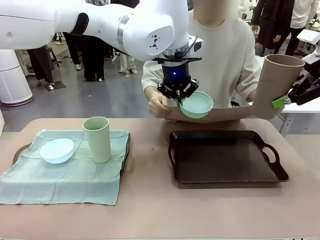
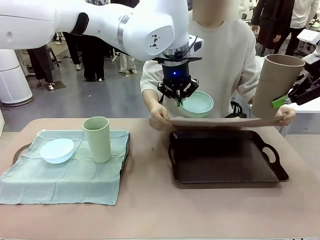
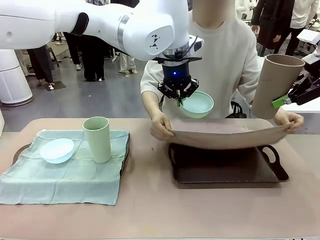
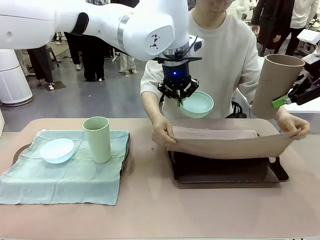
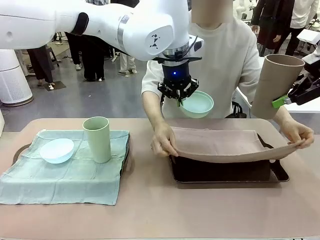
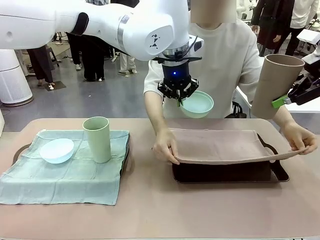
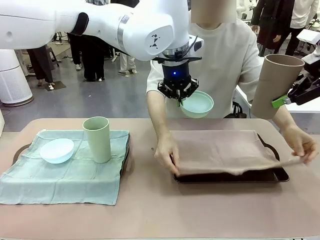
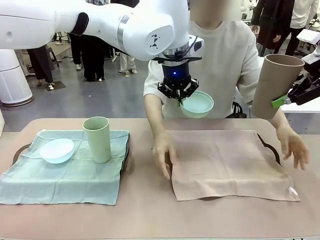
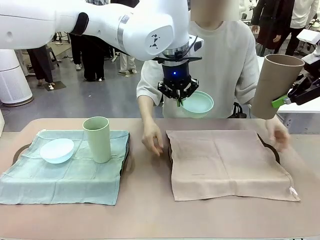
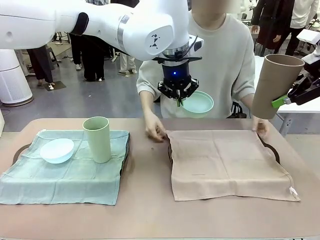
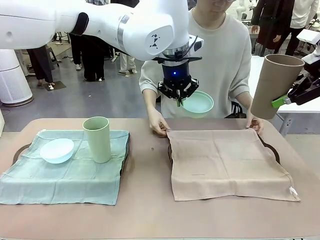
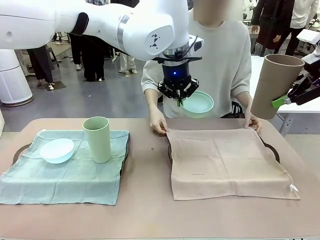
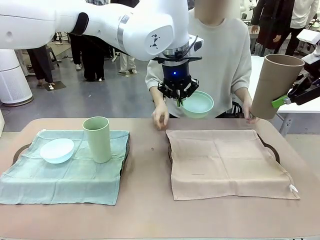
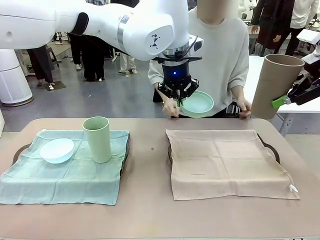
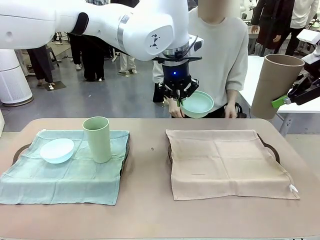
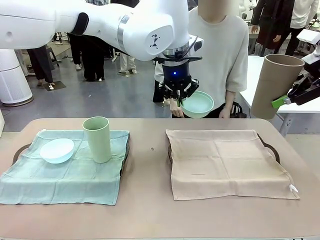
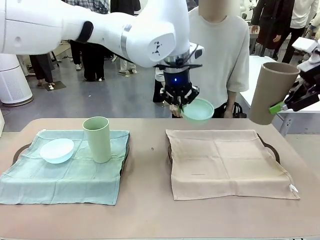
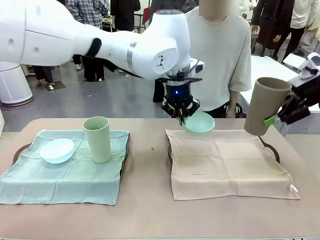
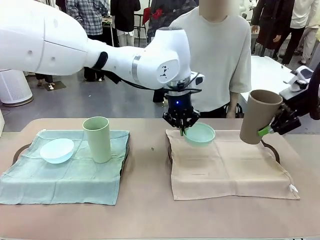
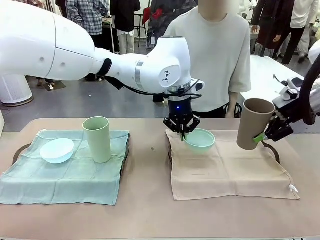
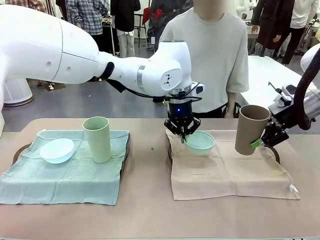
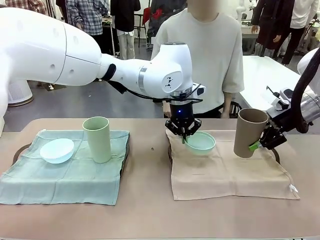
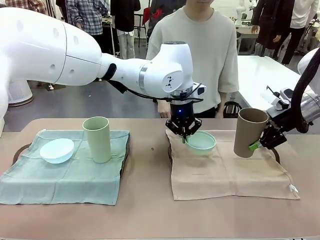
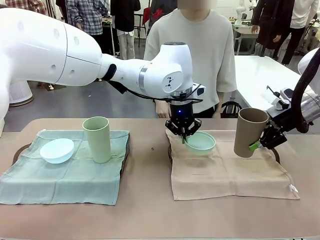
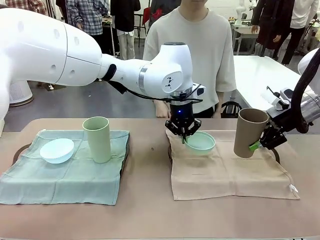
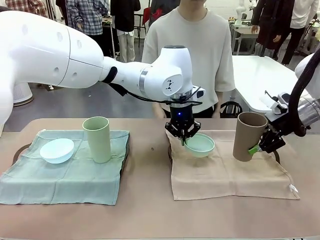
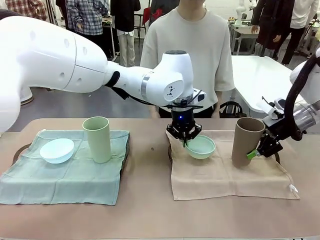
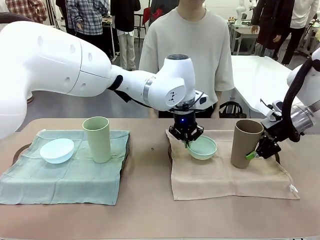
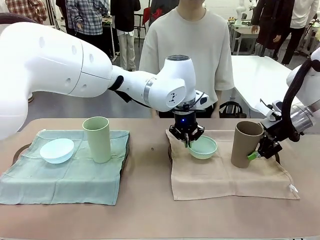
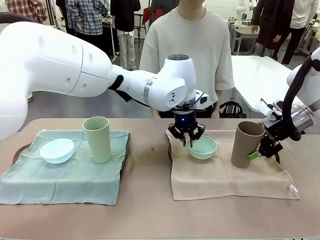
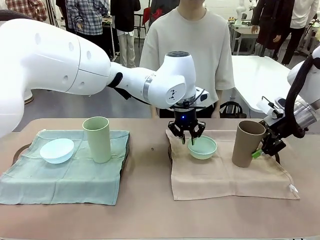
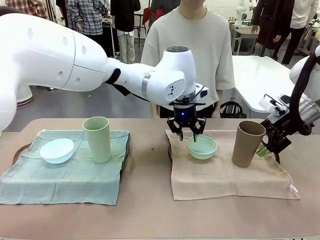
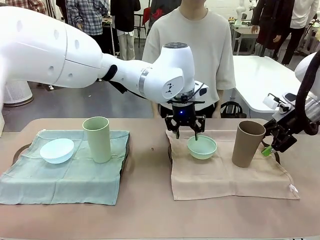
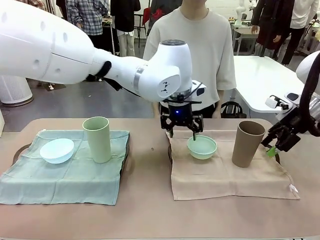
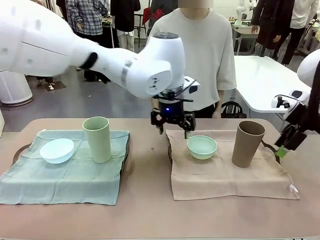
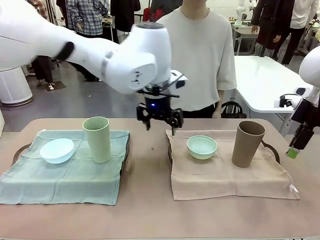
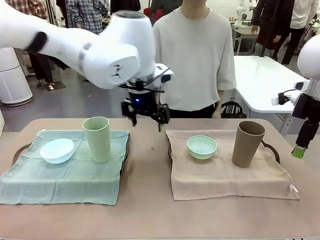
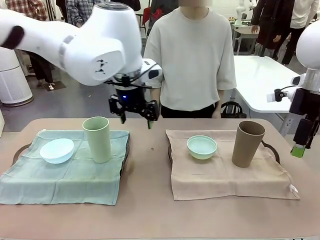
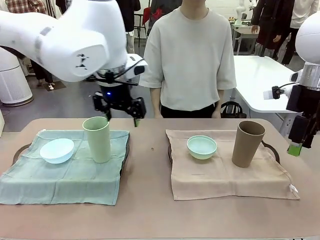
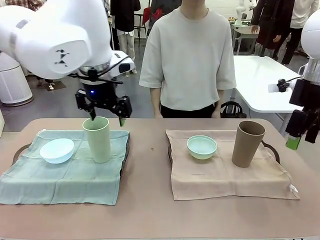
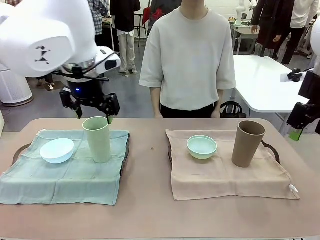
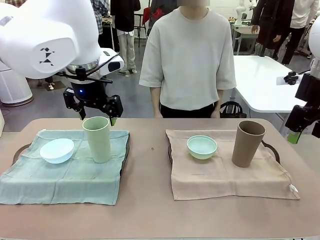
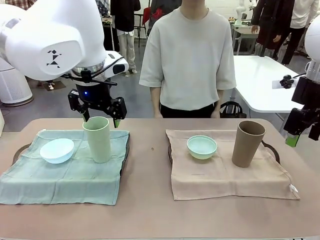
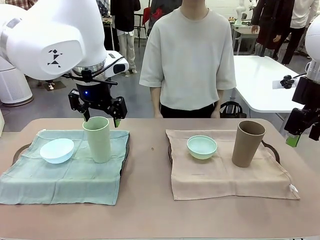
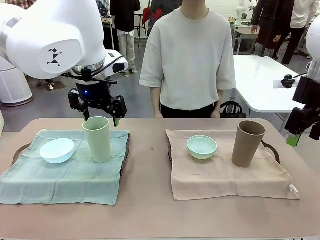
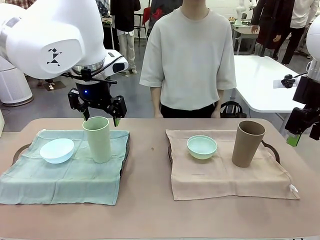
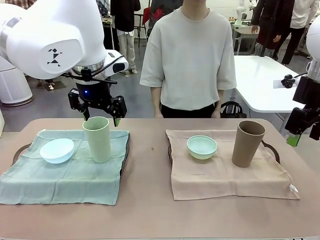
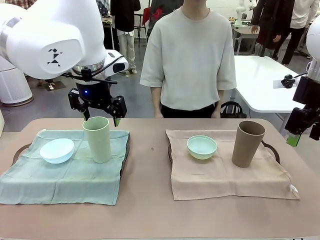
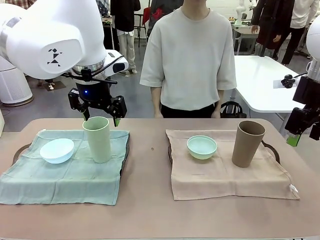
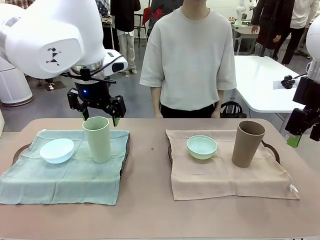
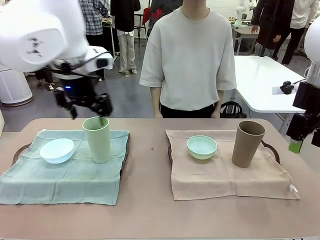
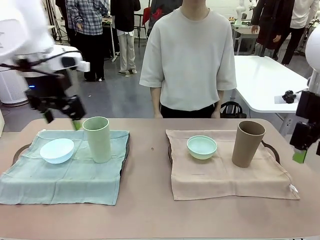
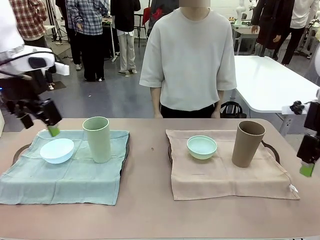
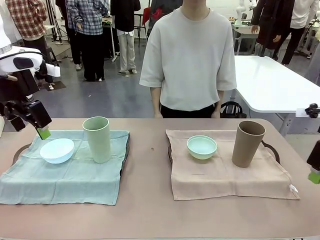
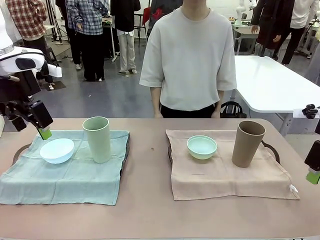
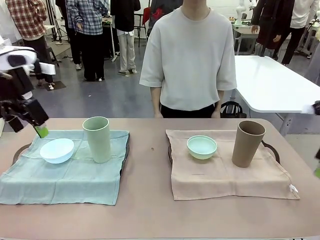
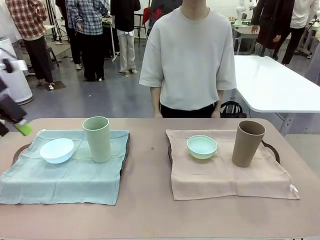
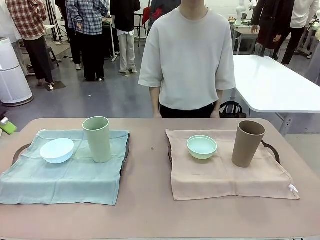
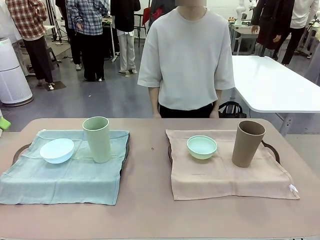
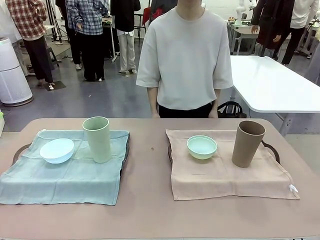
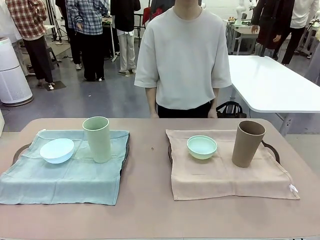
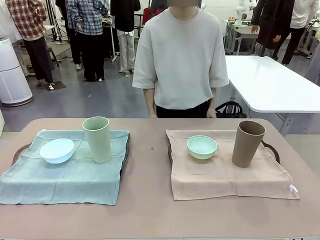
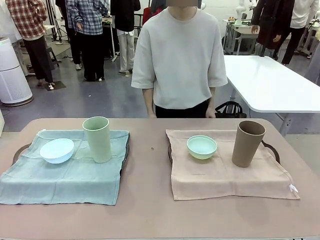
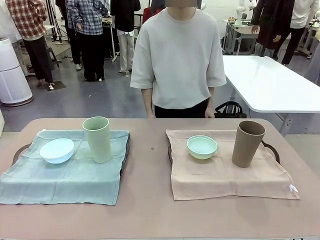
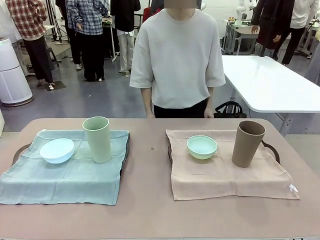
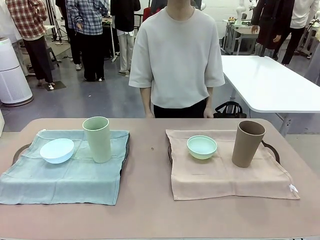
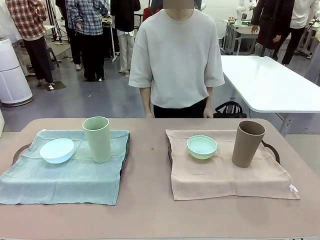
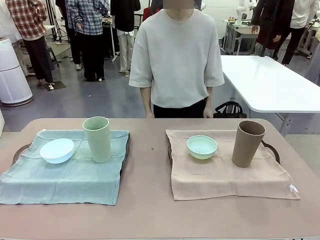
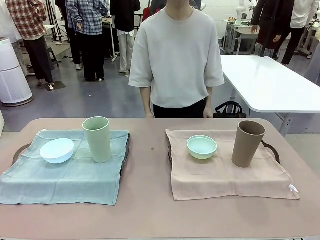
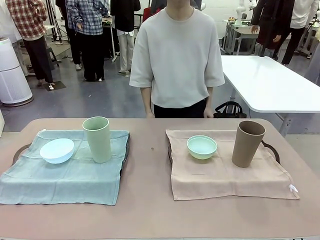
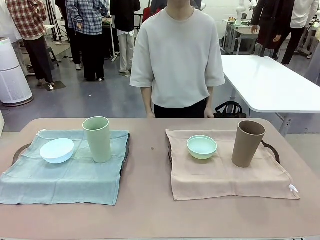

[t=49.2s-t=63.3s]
Robot: Place the Picnic Bowl and Reusable plastic cup back onto the Handle tray in front of the human's position.
Person: When the robot lifts the bowl and the cup, the human unfolds the napkin and lays the napkin flat on the tray.

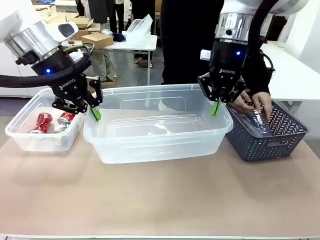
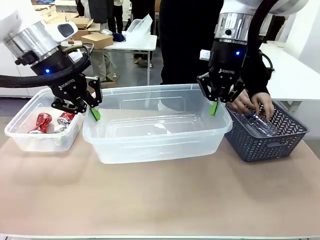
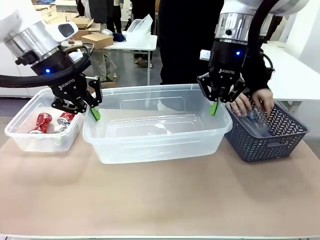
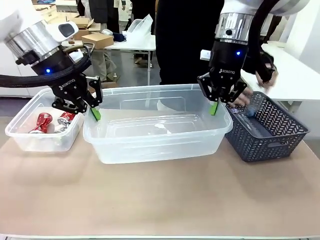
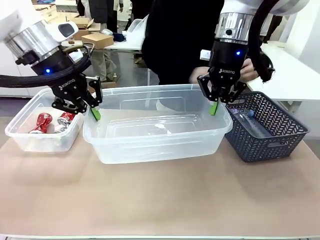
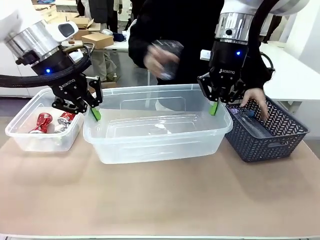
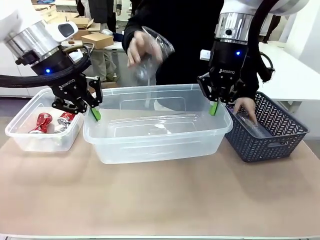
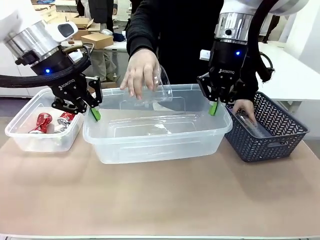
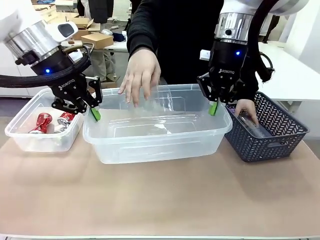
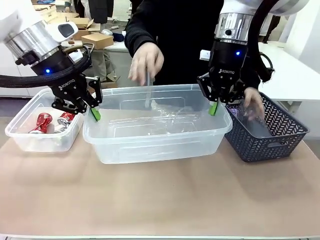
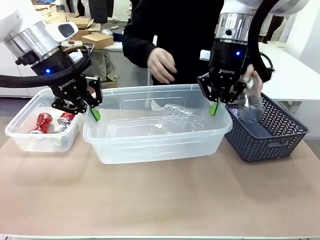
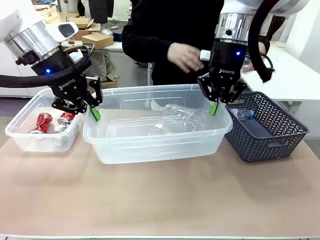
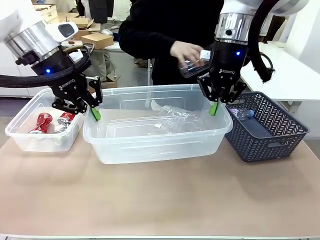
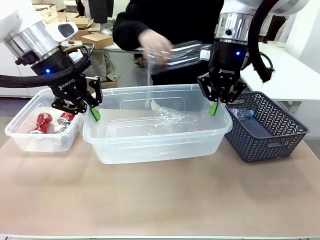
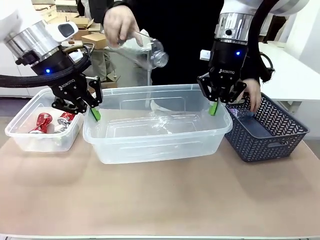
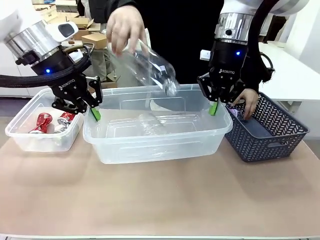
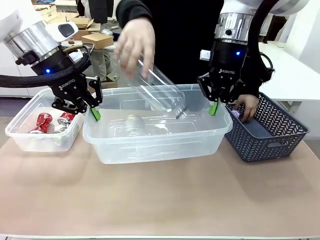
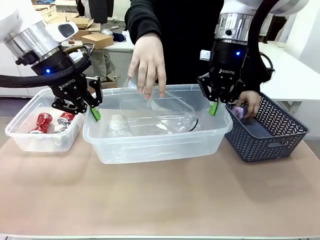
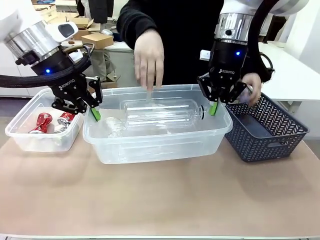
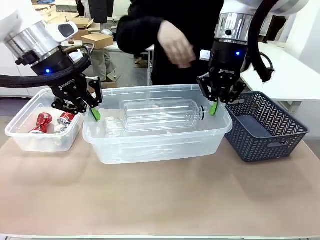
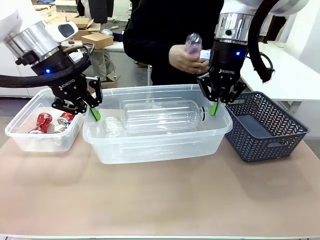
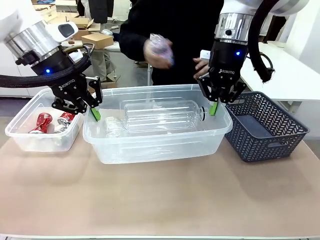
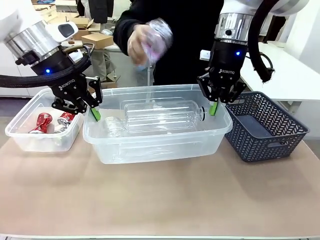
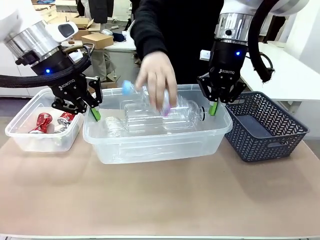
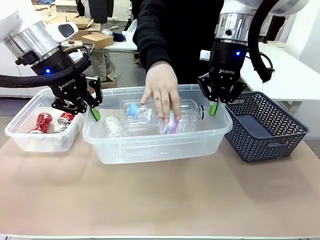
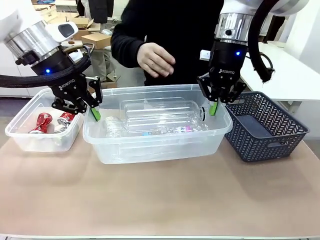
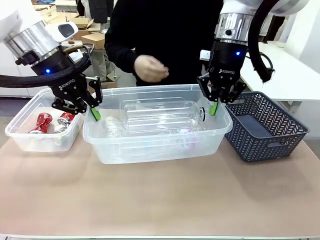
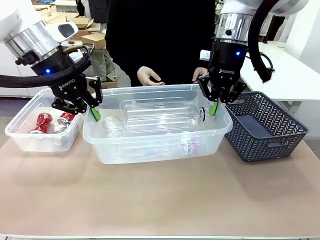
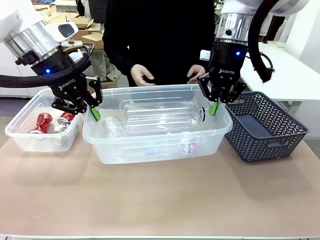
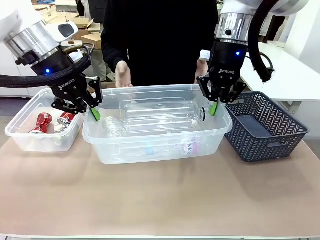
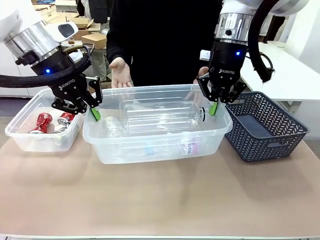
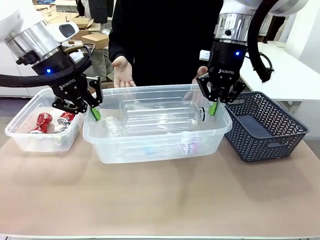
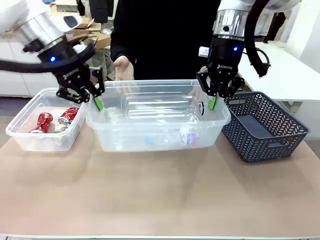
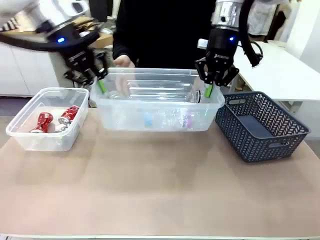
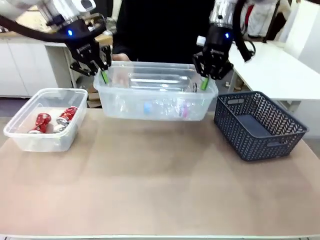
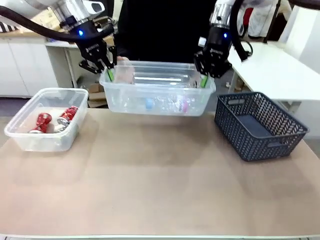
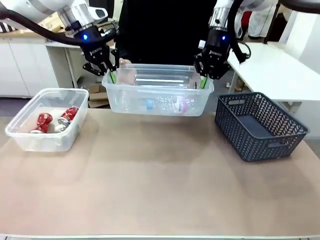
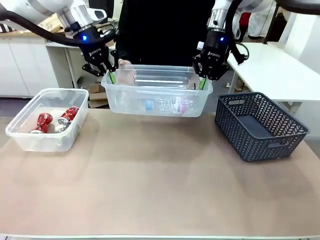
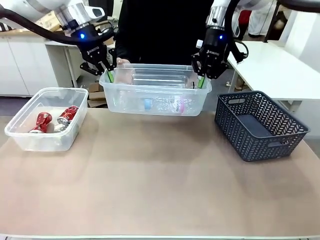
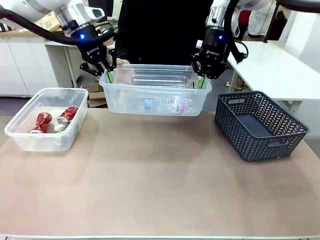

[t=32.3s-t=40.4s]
Robot: Offer the picked Organizing box to the human.
Person: Pick up plastic waste one by one and place it into the organizing box lifted by the robot.
